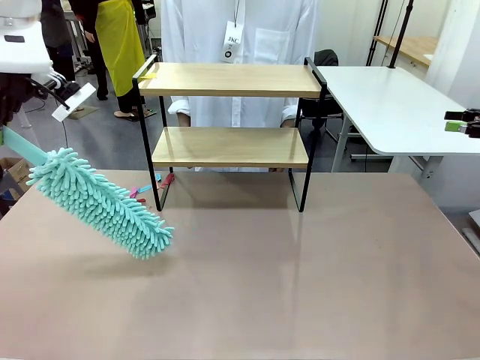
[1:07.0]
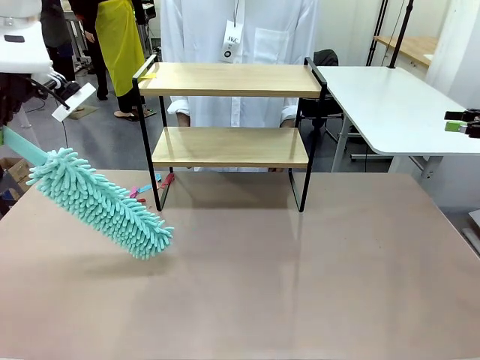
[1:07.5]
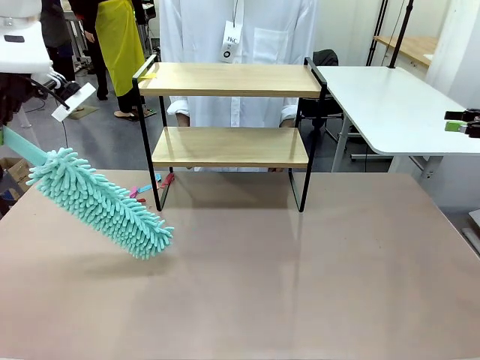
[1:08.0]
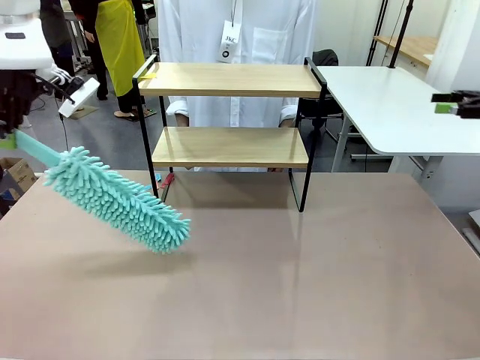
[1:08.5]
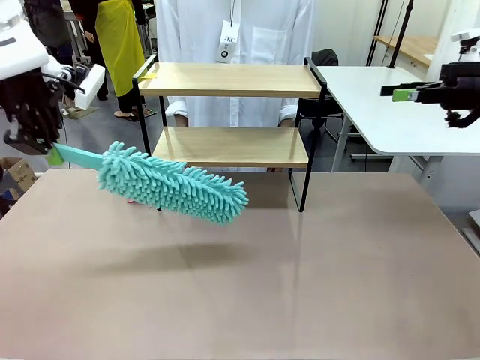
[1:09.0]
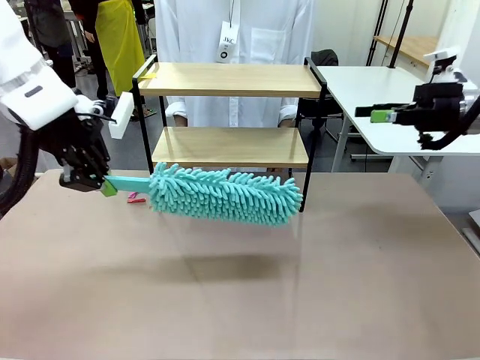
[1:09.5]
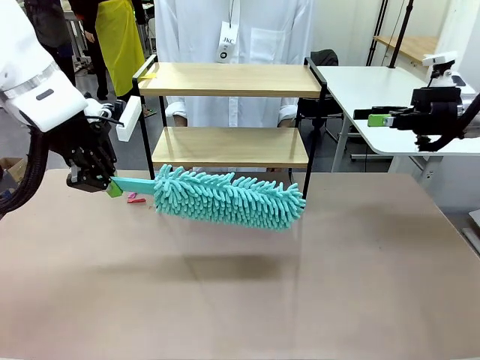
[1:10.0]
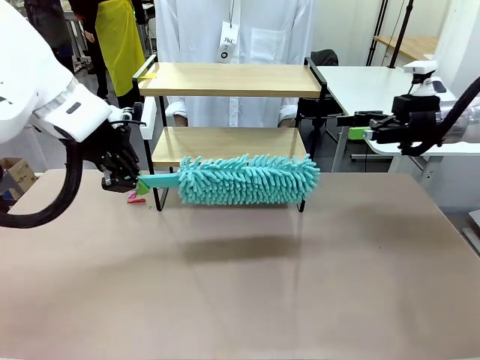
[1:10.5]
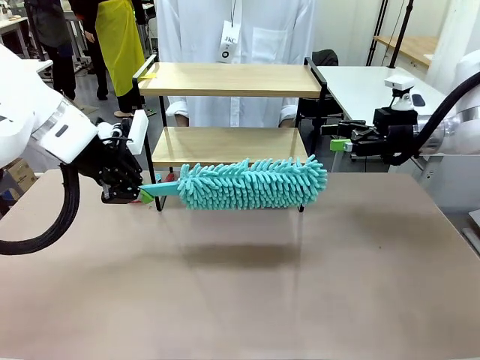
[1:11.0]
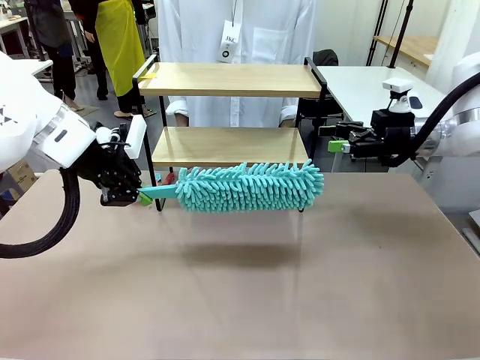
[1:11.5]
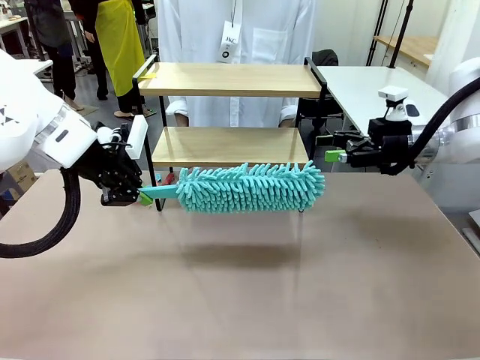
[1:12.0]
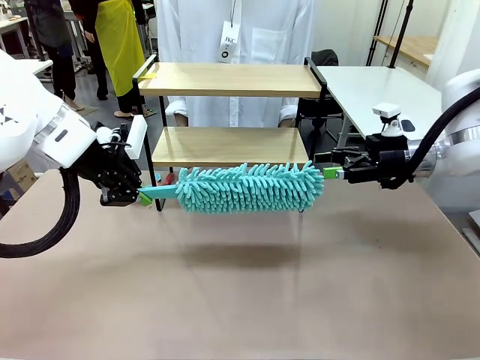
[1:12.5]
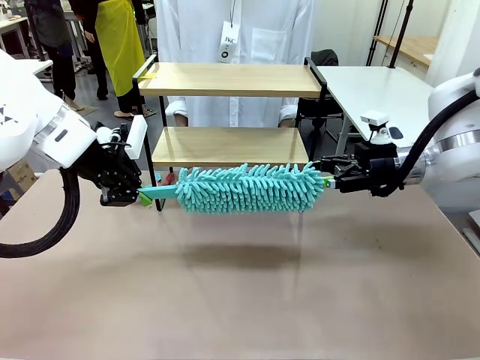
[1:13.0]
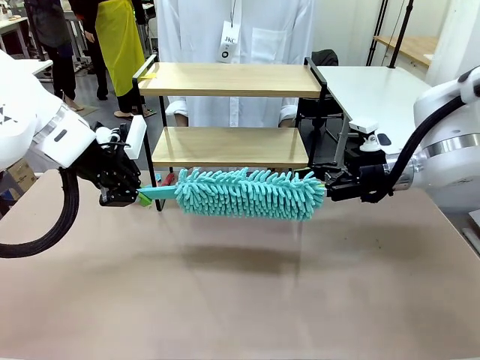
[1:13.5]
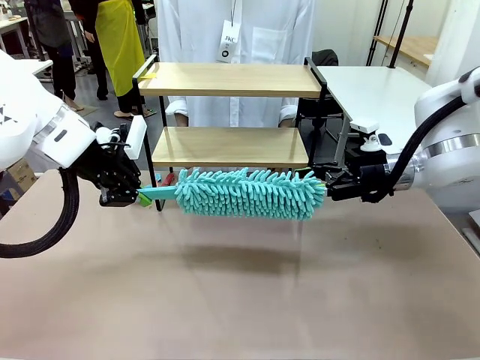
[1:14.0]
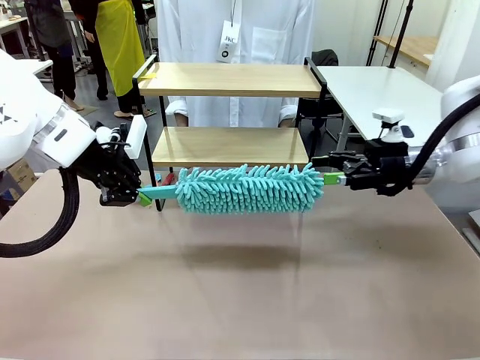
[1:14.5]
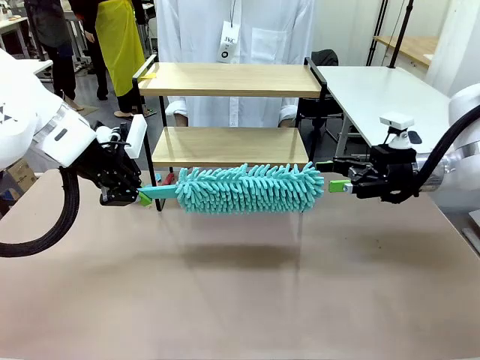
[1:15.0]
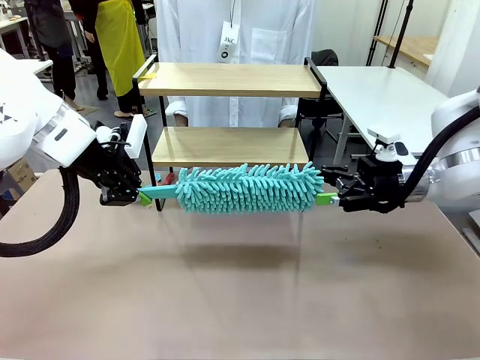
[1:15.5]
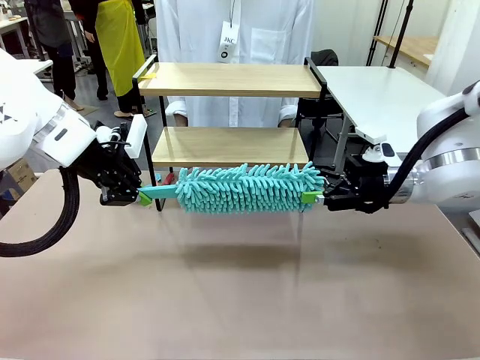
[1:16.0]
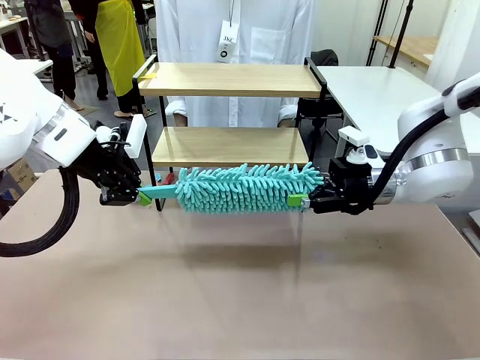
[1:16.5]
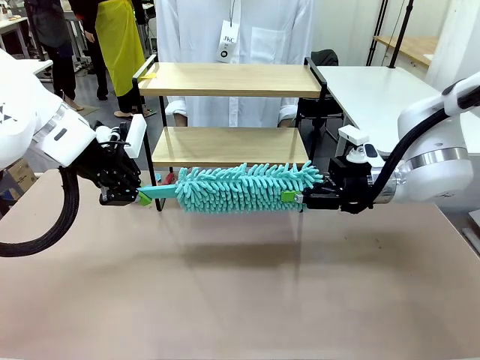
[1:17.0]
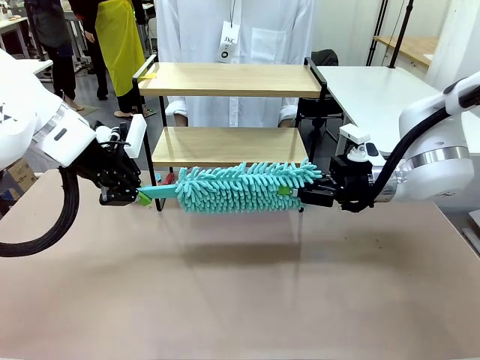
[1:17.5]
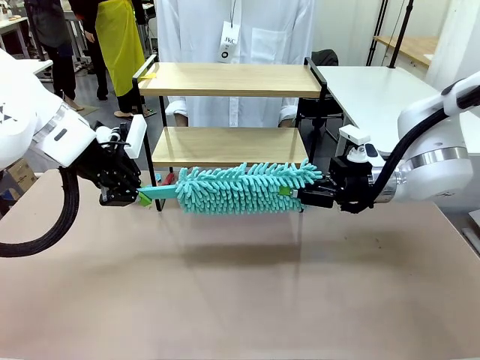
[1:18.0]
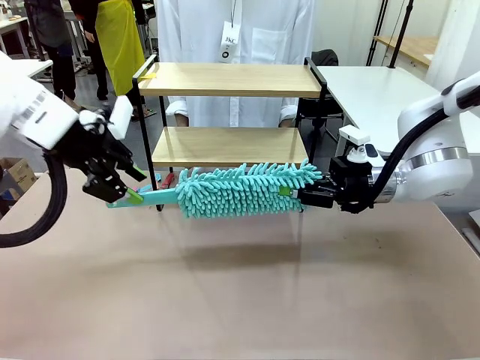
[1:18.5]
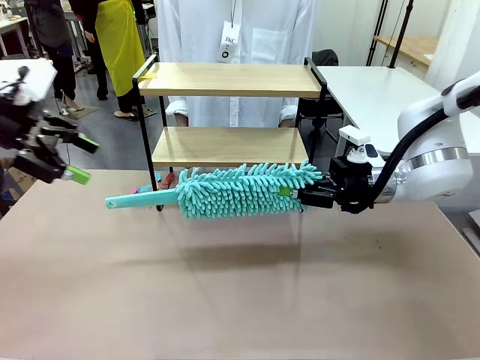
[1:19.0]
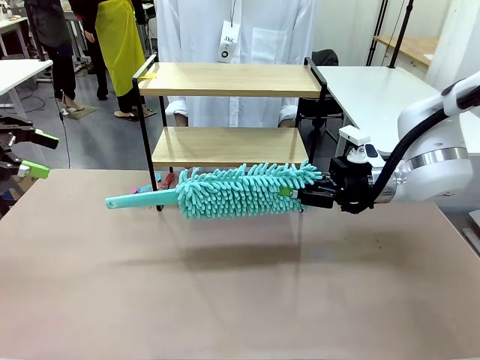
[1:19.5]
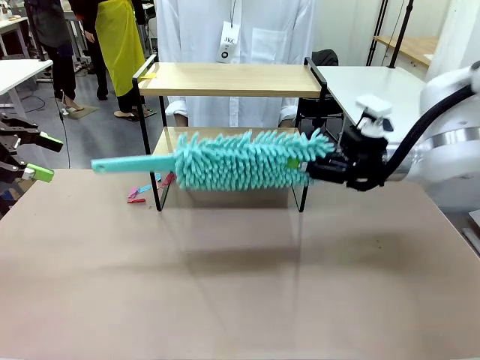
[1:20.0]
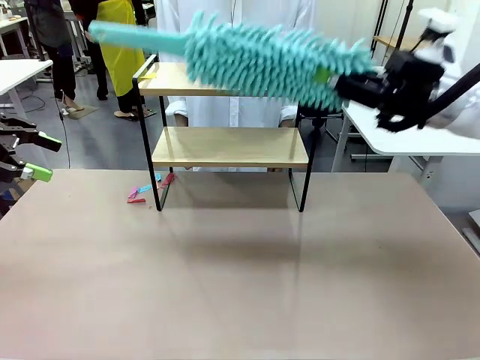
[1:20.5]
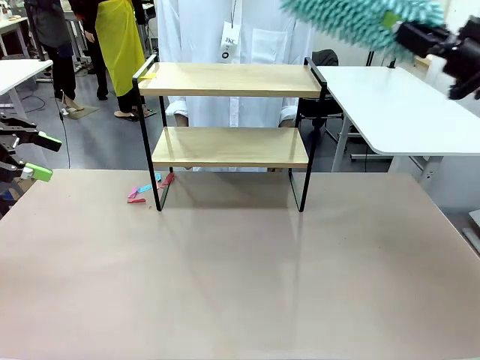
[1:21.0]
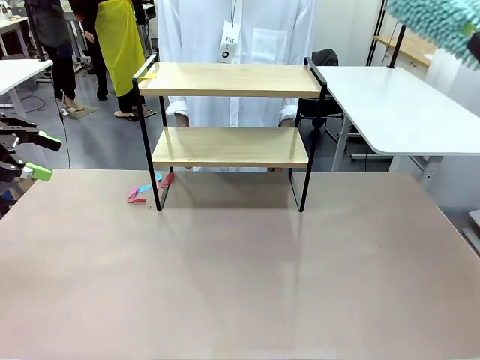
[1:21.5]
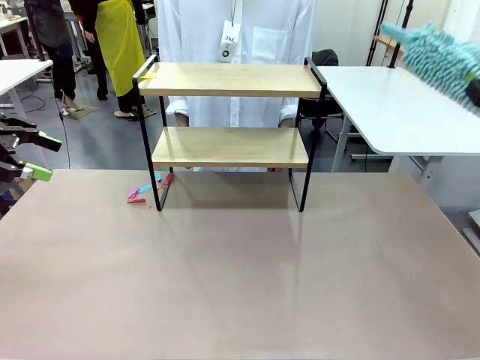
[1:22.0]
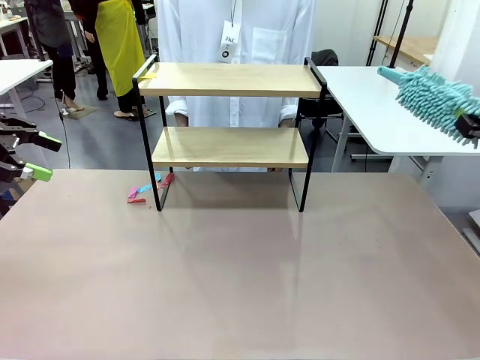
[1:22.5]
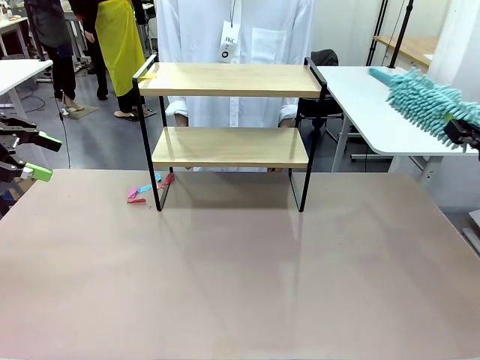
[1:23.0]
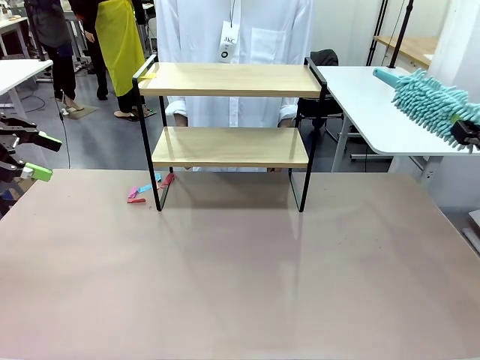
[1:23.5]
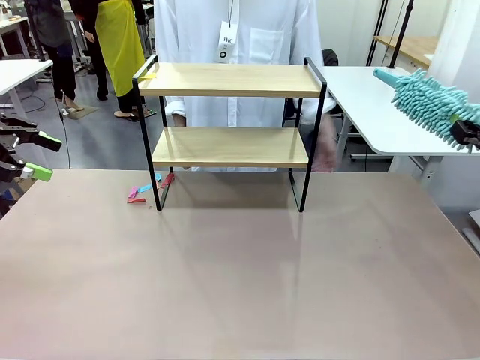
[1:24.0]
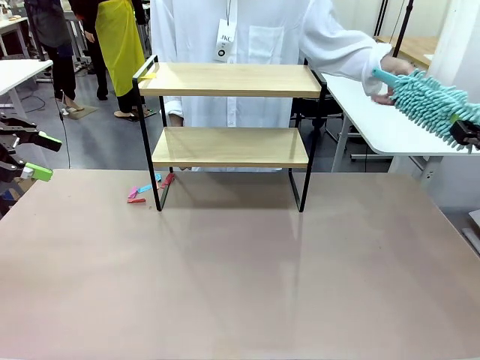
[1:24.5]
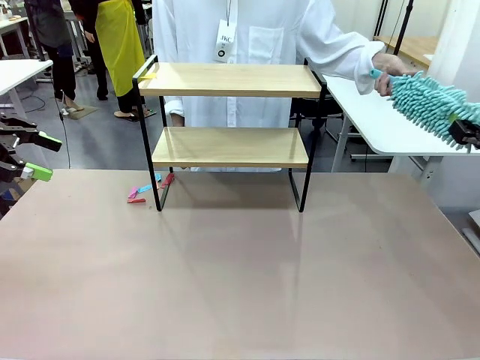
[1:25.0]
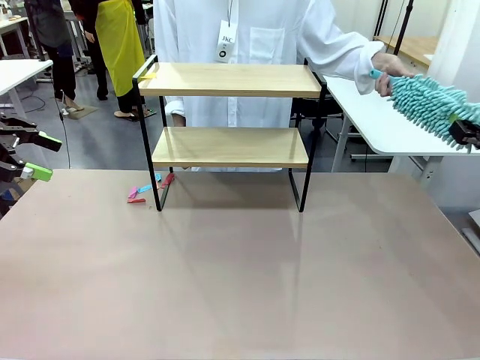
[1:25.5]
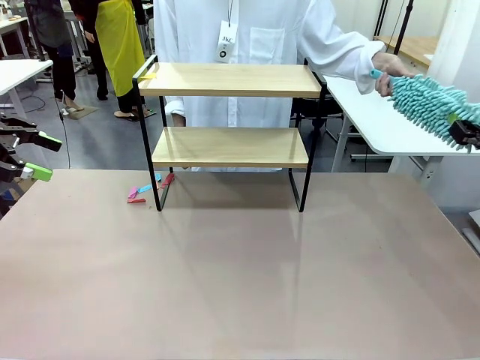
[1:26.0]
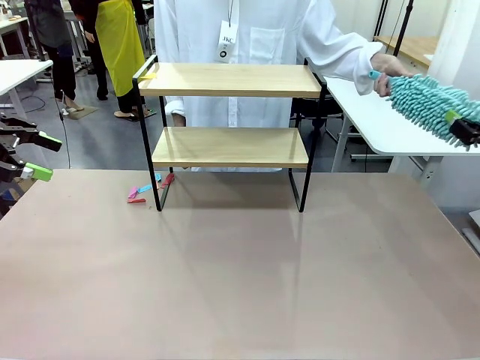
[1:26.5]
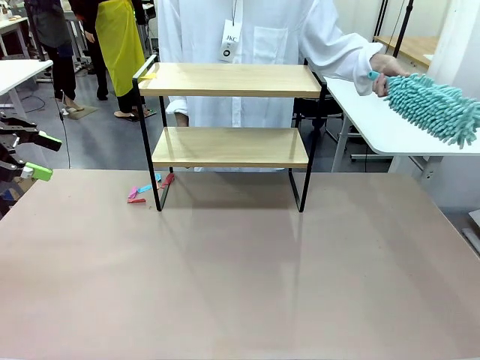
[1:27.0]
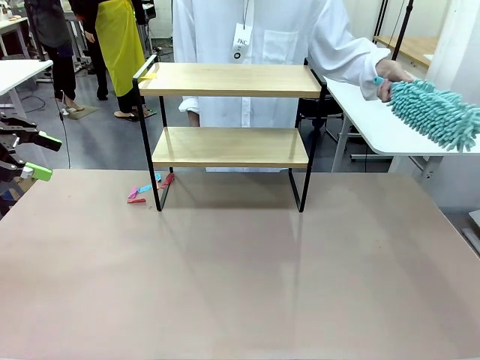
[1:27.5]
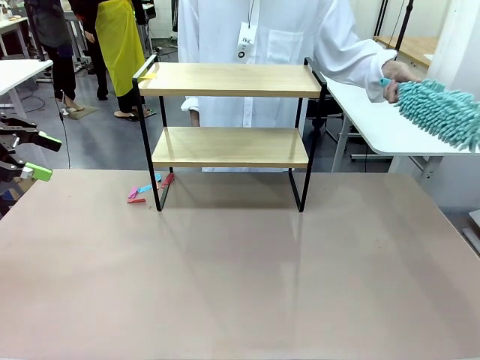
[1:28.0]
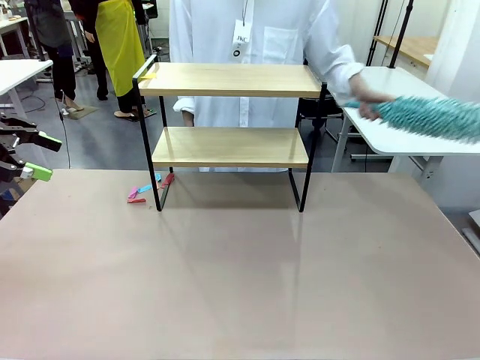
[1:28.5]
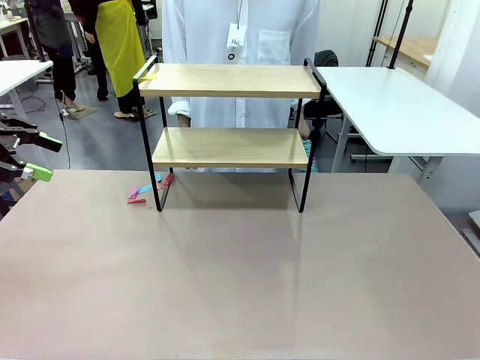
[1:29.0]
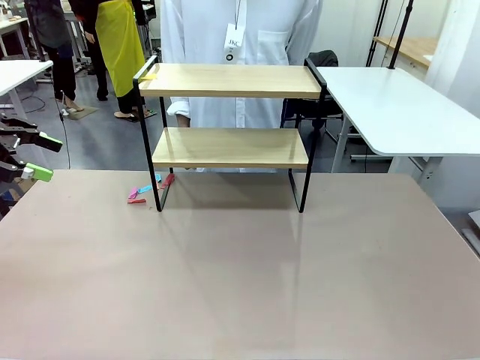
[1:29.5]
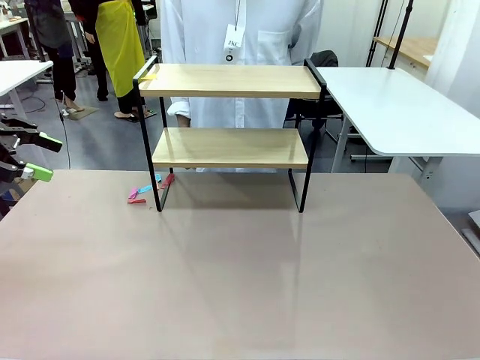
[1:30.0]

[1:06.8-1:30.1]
Task: Clean the shelf.
Robot: Hand the Duster back to the human.
Person: Receive the Duster from the robot.

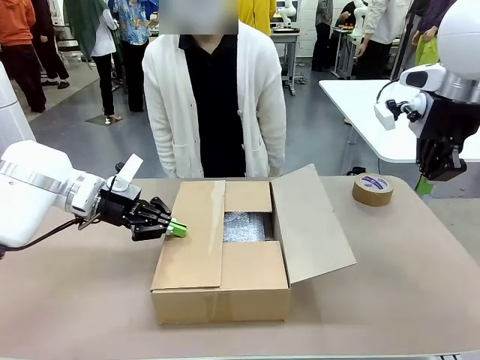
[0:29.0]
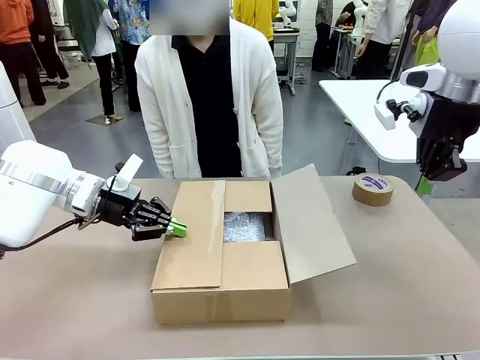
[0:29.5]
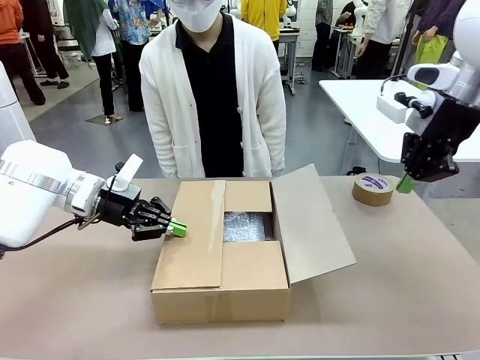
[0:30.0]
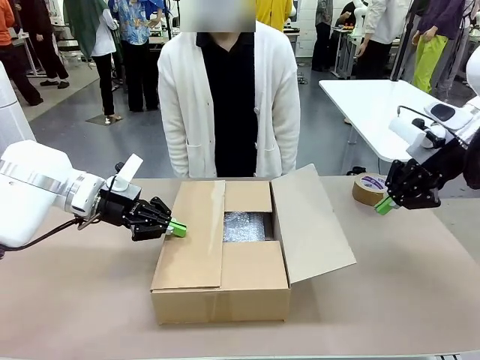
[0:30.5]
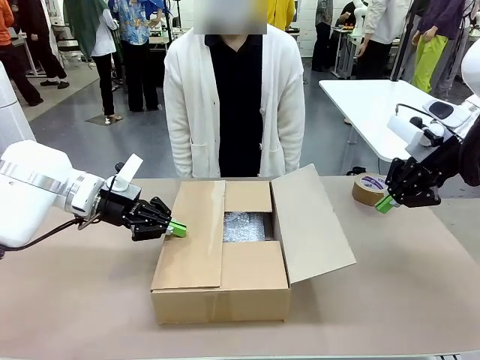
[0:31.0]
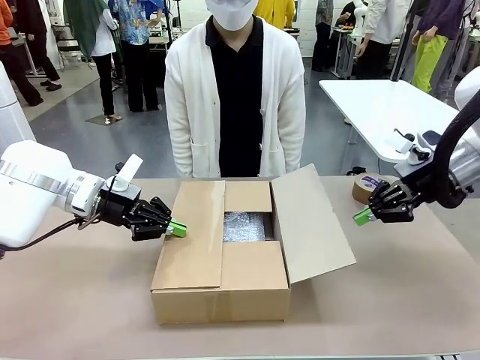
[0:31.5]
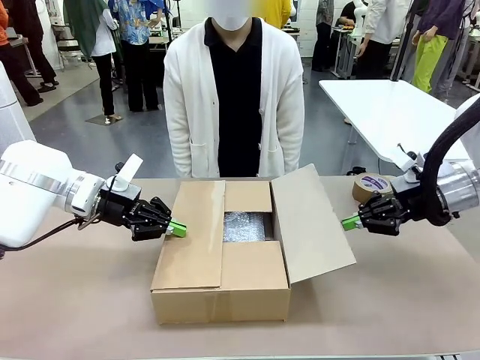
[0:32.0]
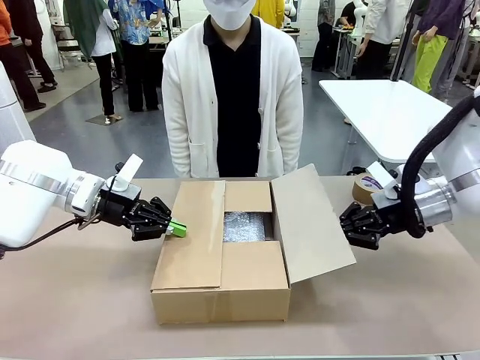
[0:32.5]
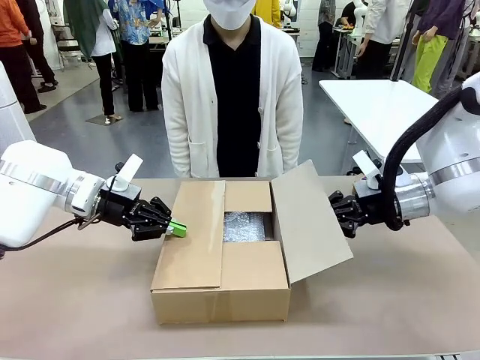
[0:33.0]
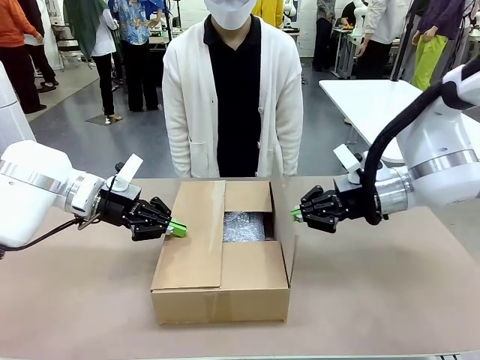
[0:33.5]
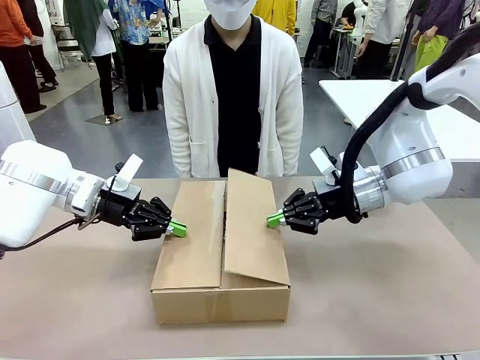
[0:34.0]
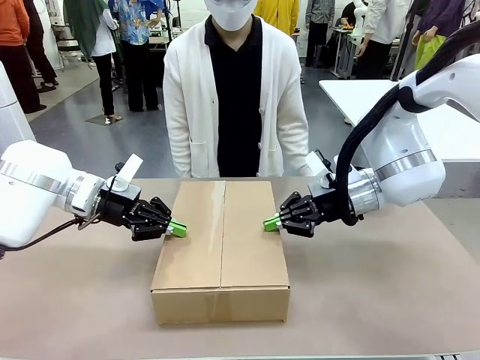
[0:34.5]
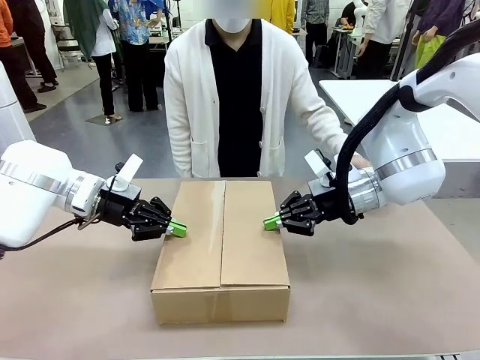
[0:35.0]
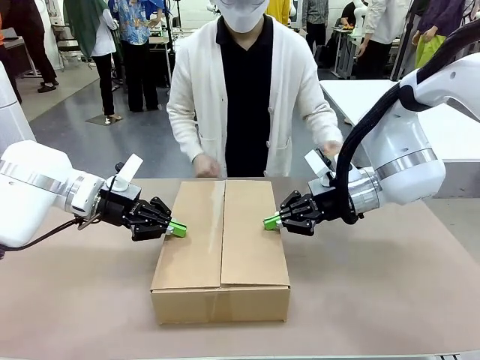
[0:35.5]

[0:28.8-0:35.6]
Task: Wrap the clocks to prevent damage.
Robot: Push the left (or right) flap of the Package Box to close it.
